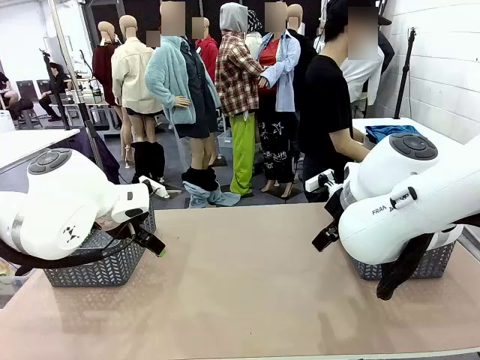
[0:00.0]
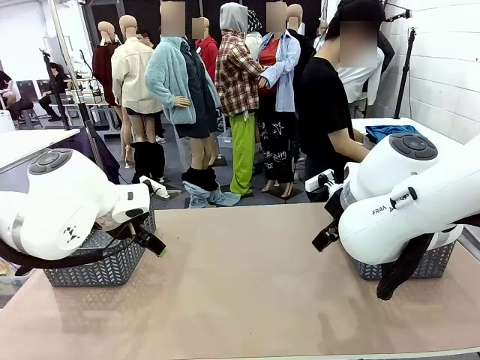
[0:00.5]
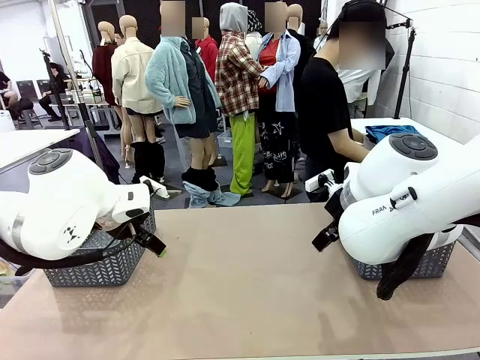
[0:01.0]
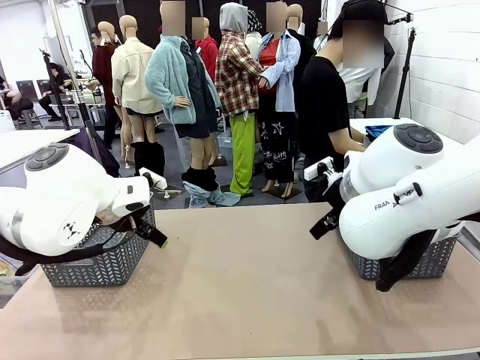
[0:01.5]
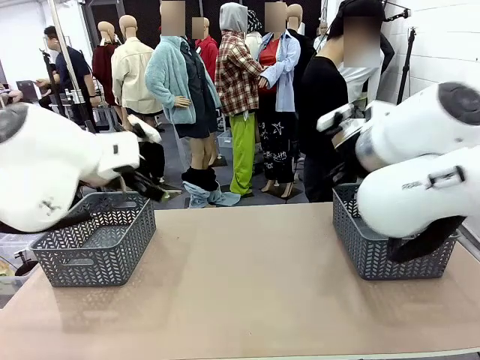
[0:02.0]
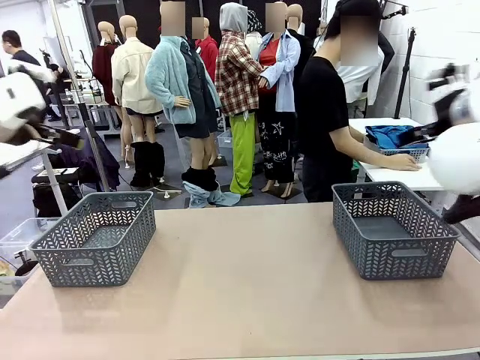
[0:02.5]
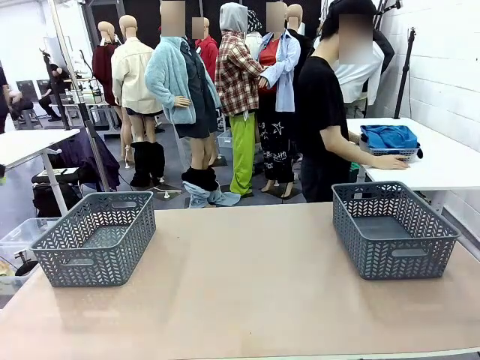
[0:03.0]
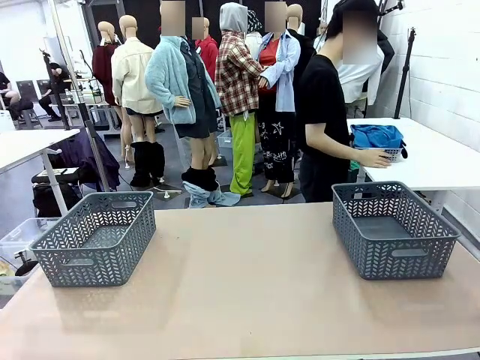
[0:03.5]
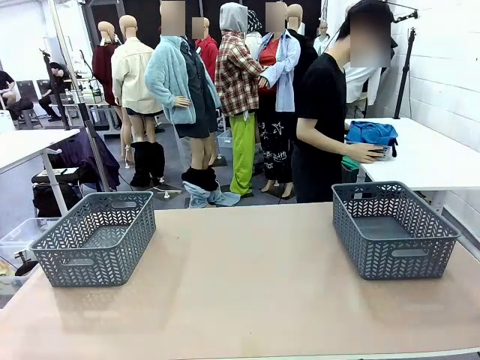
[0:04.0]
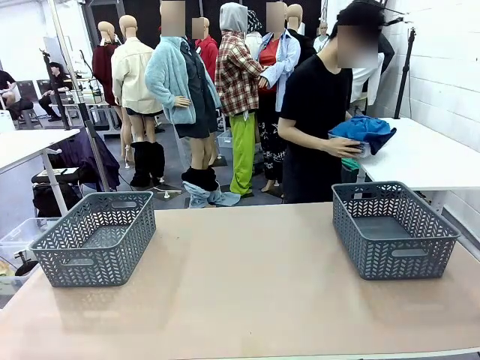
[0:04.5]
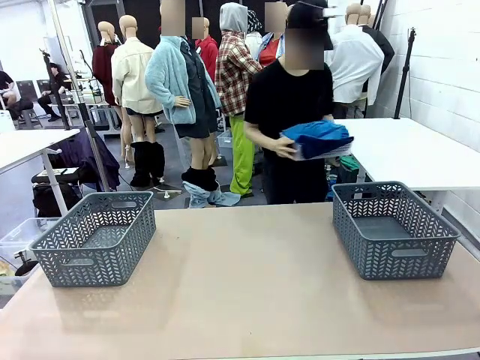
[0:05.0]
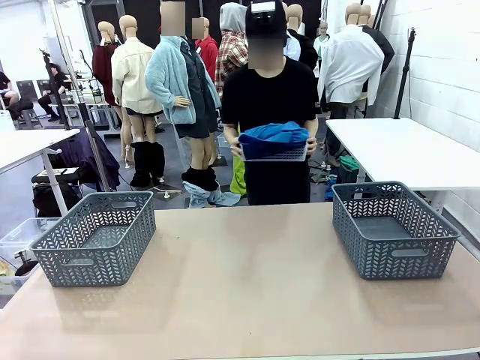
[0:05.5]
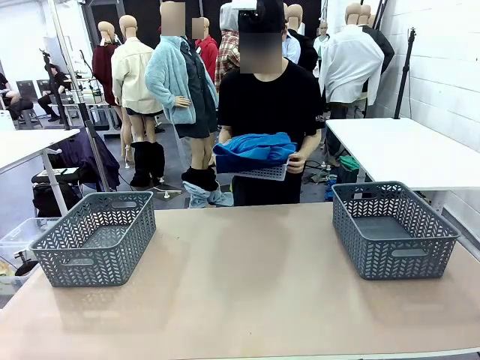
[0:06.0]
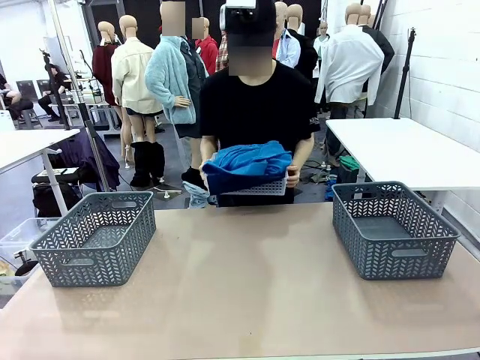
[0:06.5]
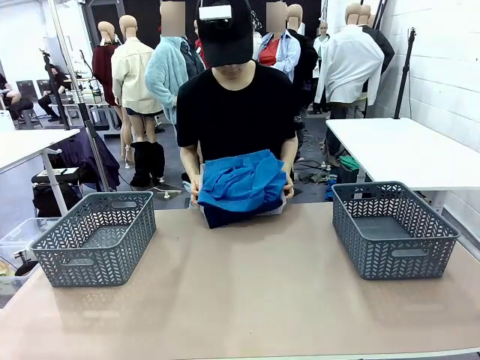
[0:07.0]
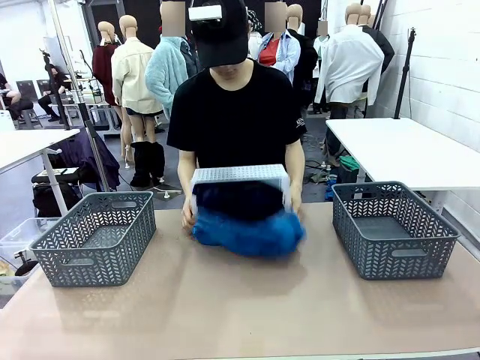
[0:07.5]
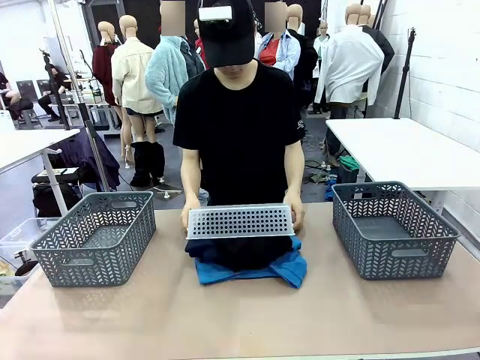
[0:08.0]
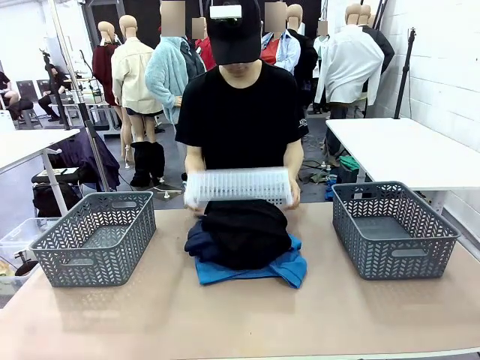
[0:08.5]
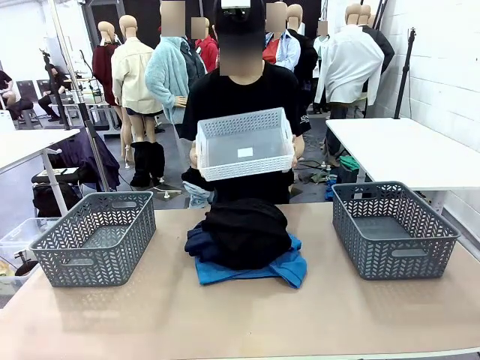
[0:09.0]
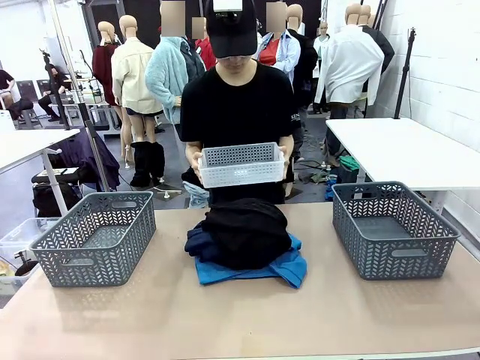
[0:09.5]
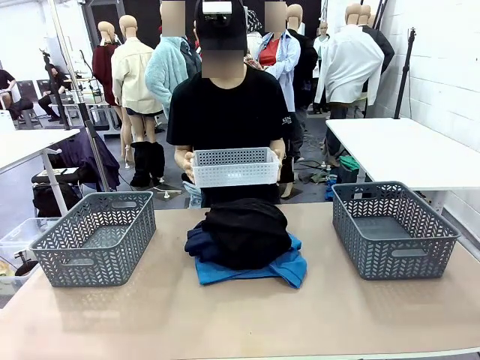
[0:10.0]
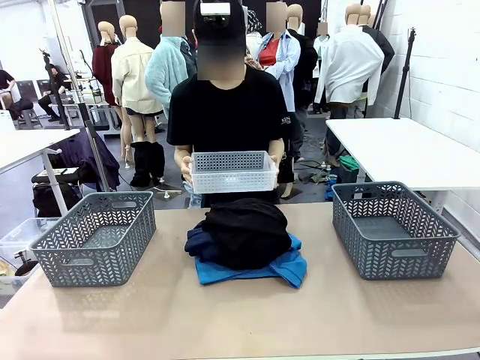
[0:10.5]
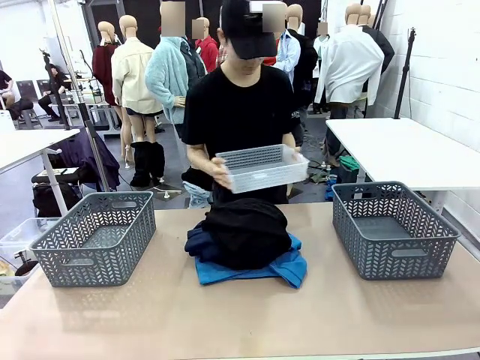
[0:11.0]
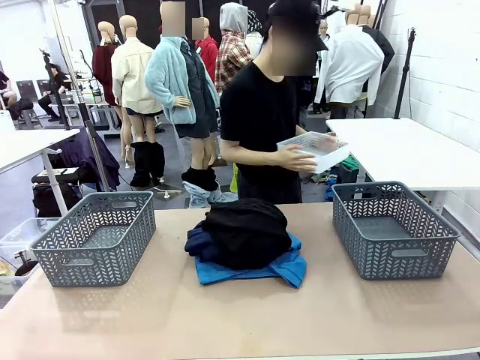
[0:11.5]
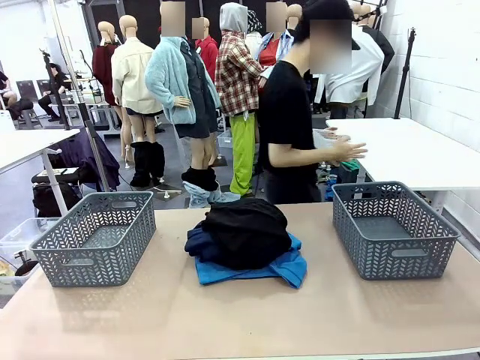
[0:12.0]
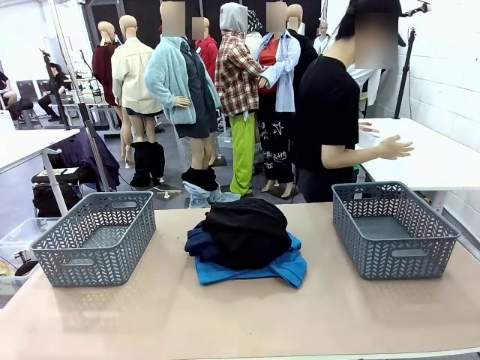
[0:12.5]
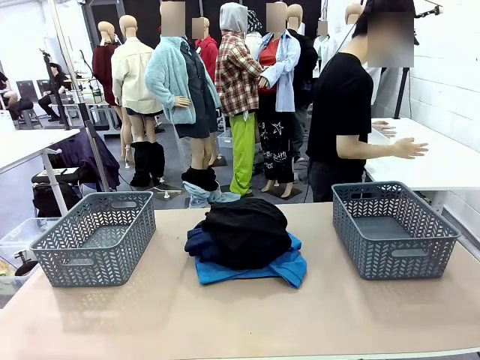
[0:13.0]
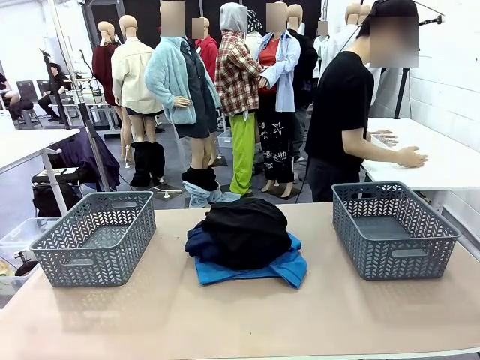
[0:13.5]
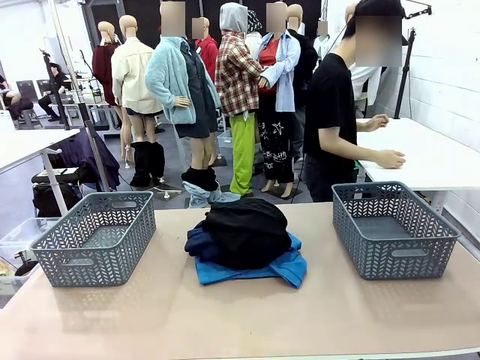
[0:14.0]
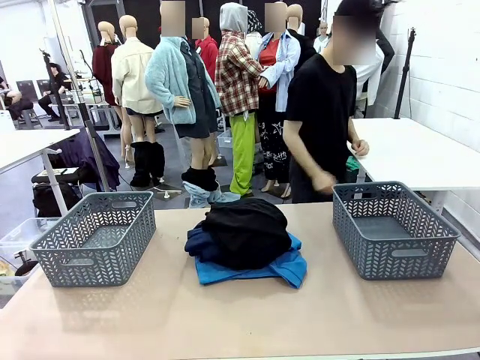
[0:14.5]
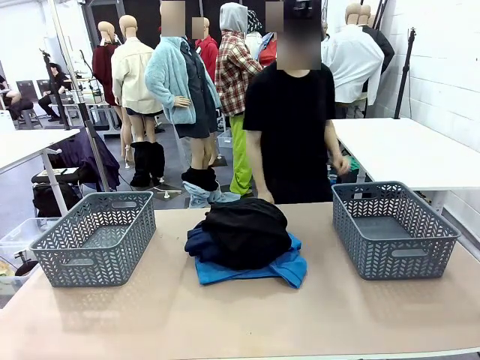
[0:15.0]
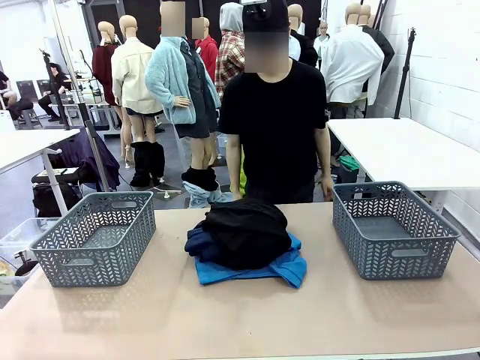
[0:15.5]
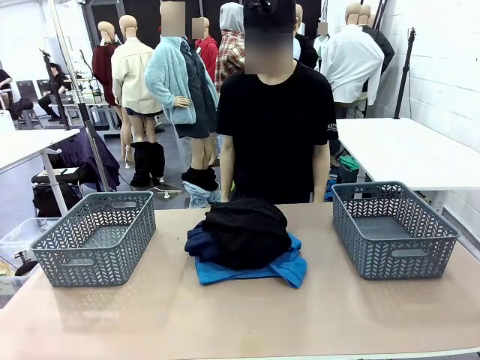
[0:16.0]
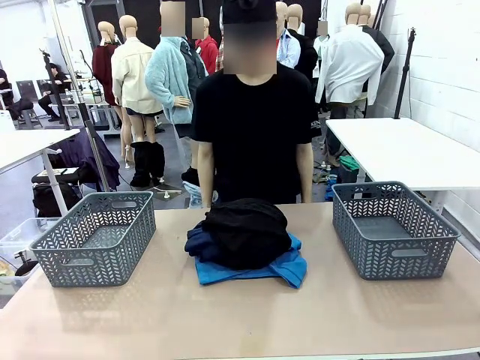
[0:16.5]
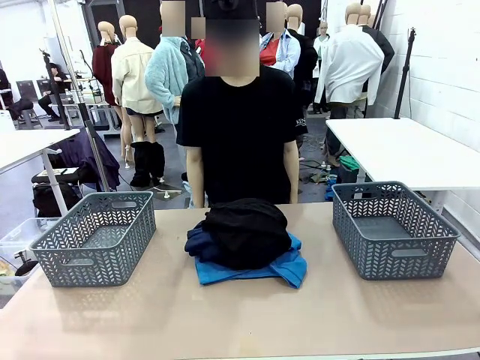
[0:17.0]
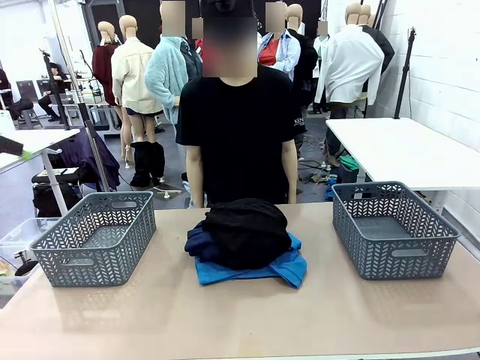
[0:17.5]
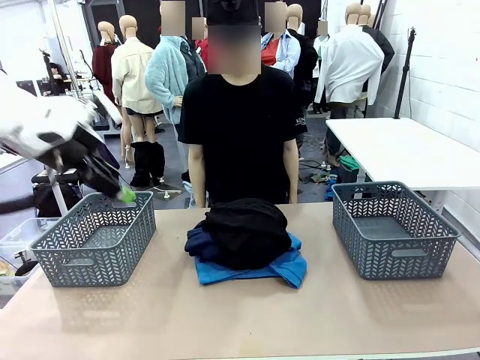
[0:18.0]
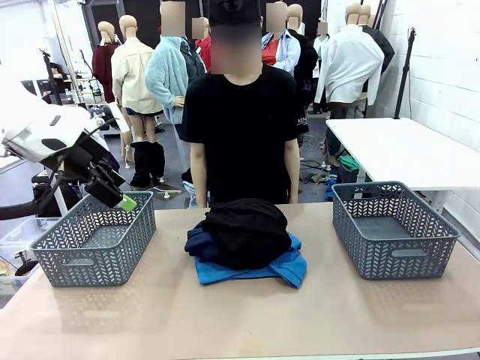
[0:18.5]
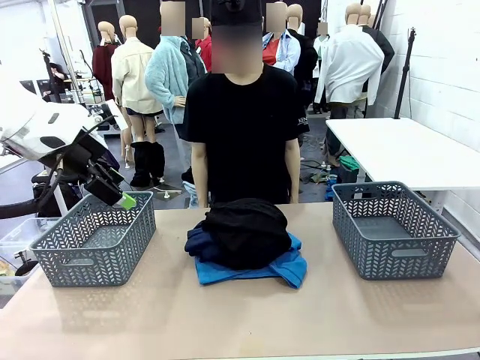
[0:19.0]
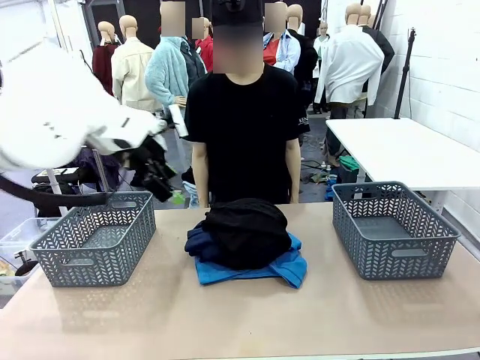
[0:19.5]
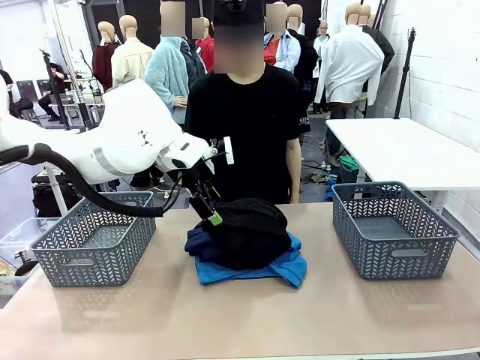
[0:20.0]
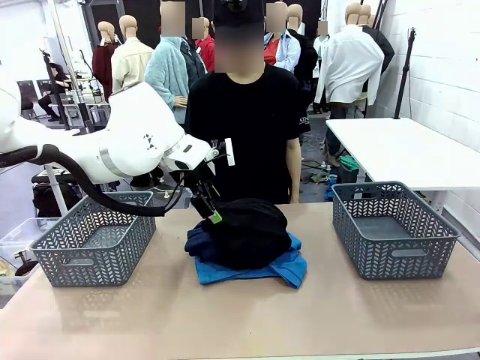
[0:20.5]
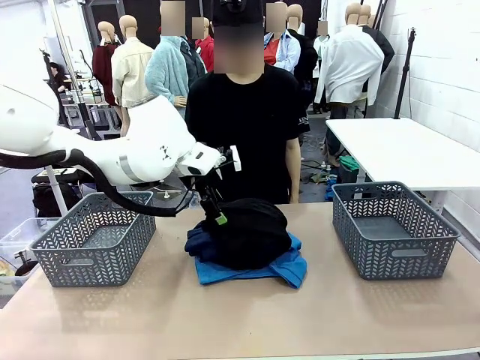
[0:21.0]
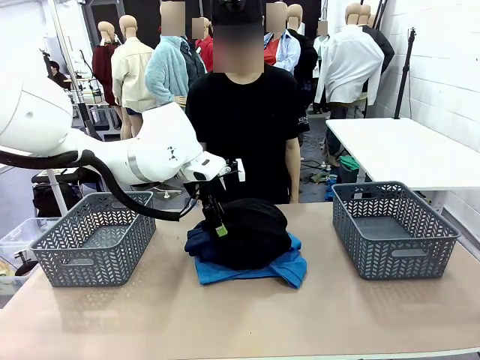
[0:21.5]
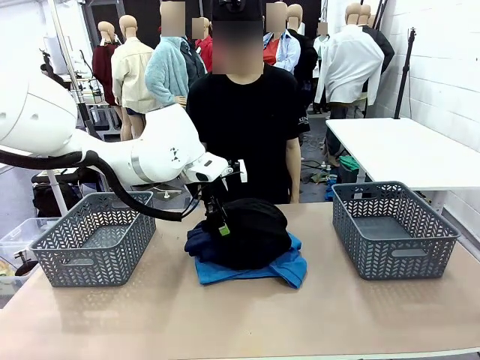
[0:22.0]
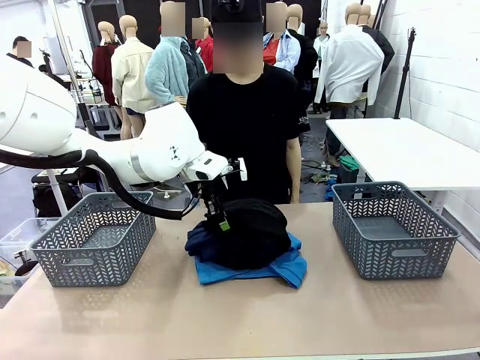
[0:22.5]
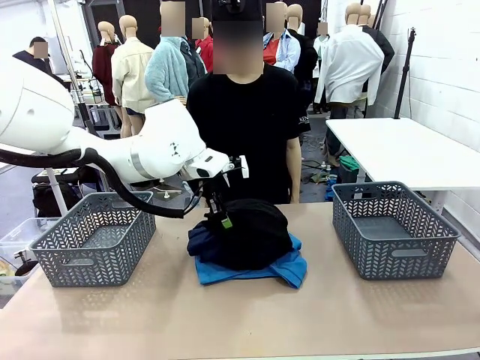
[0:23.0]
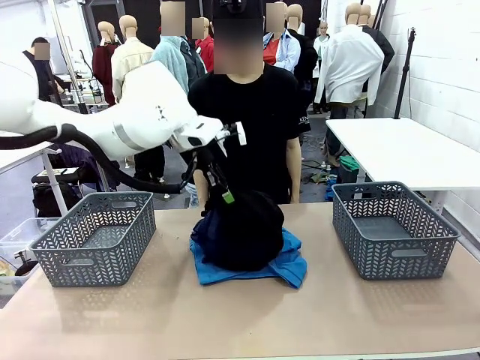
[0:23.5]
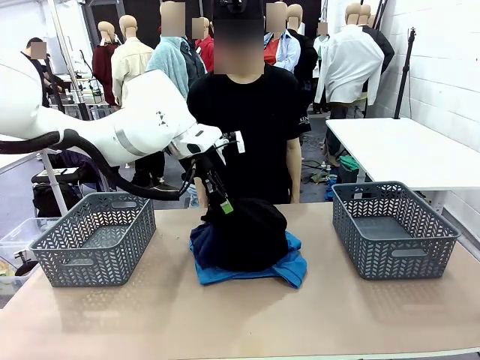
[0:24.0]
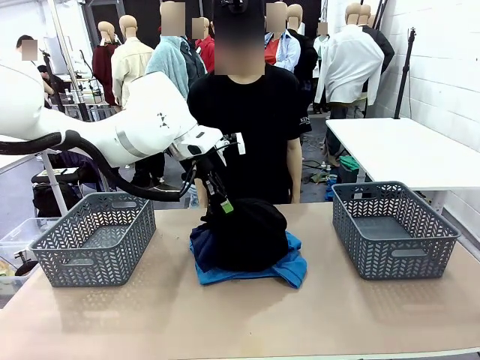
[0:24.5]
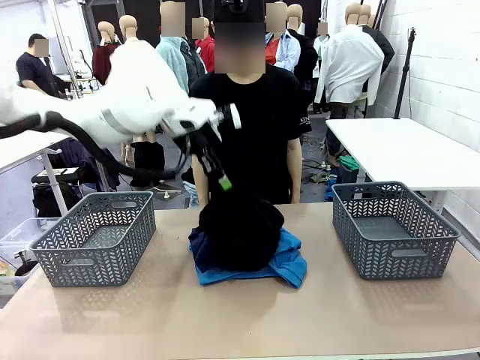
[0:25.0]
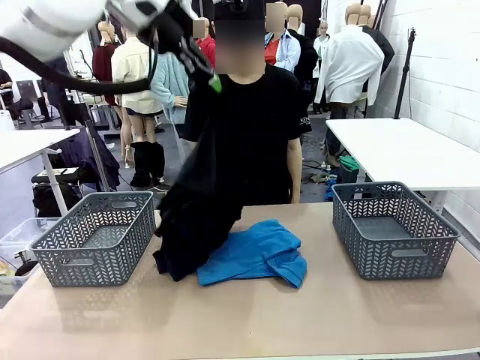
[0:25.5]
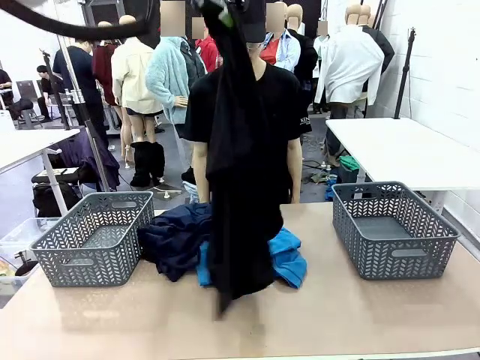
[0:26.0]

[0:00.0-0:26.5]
Task: Sort the tops and bottoms.
Robot: Lift clothes from the center of the table with your left hand.
Person: Pour the clothes from the basket onto the center of the robot table.
